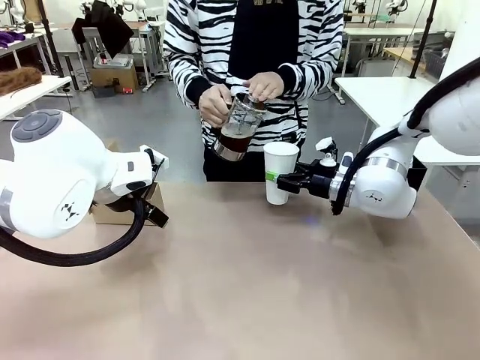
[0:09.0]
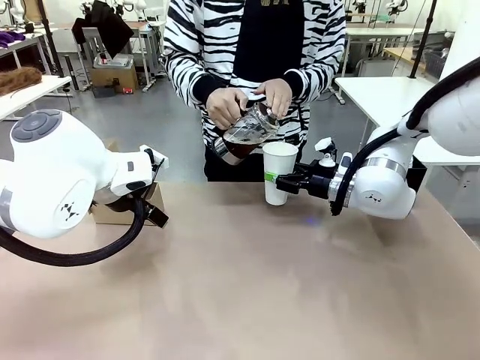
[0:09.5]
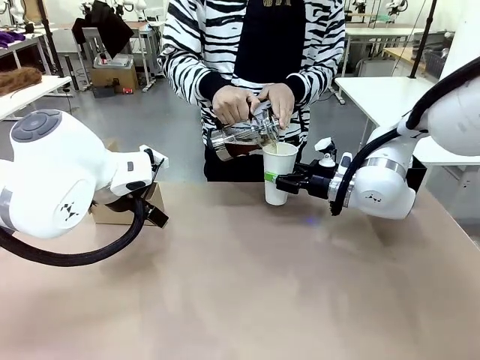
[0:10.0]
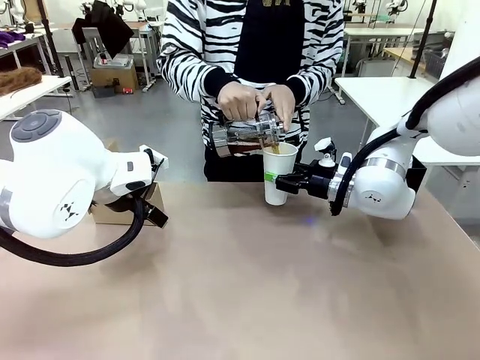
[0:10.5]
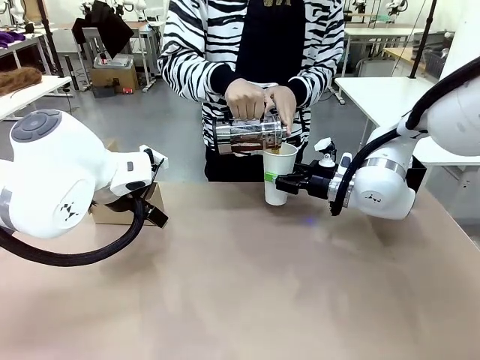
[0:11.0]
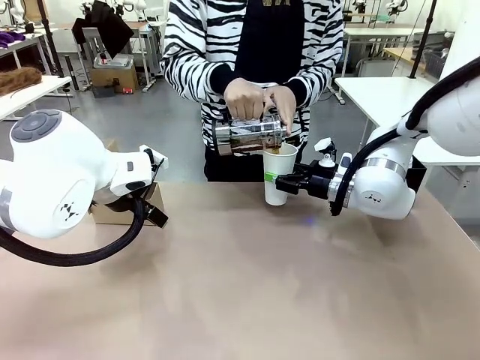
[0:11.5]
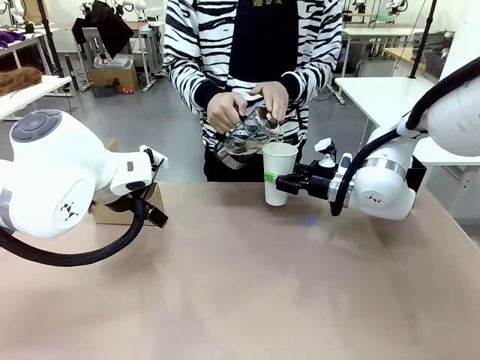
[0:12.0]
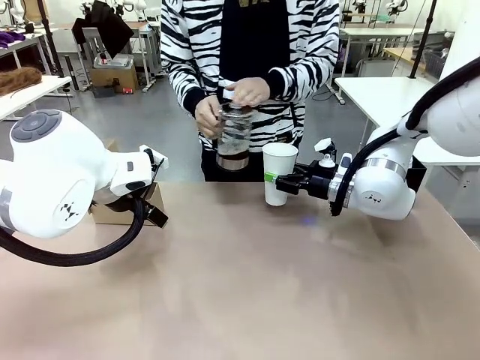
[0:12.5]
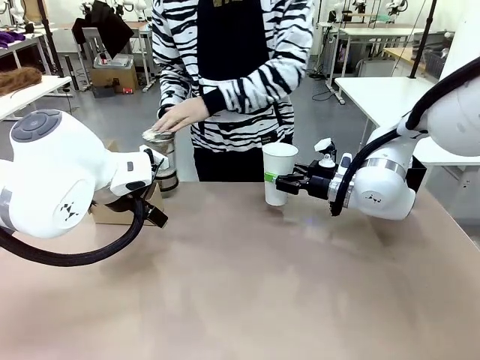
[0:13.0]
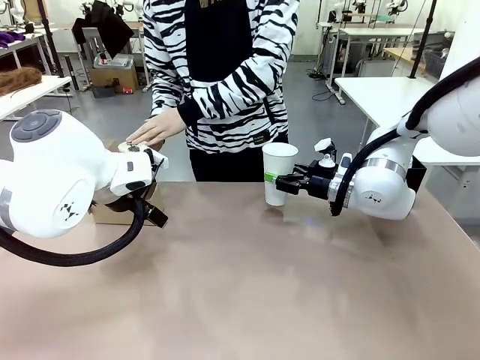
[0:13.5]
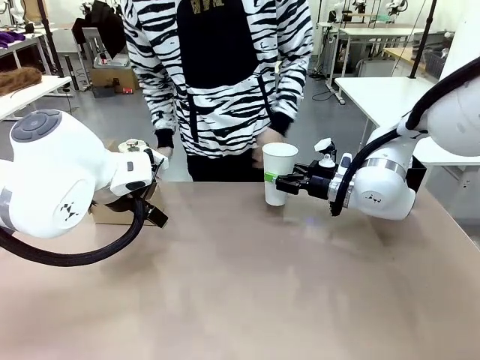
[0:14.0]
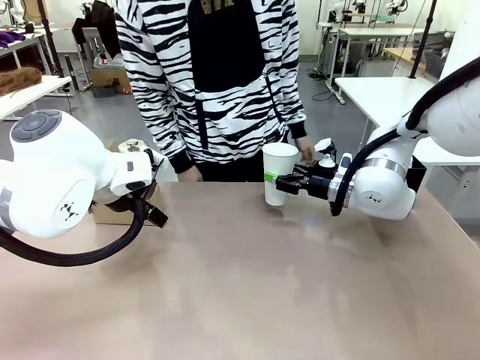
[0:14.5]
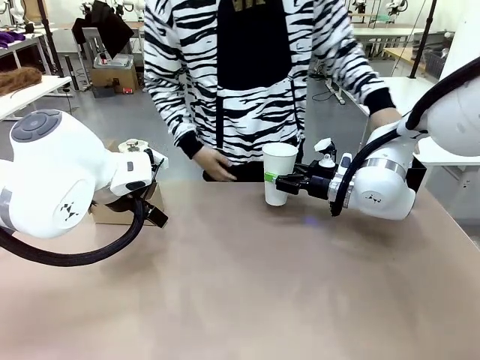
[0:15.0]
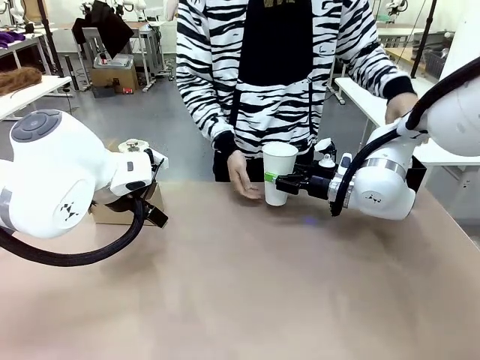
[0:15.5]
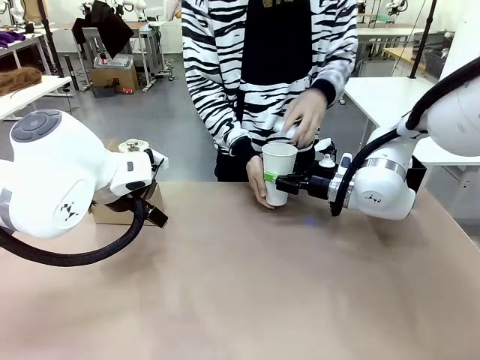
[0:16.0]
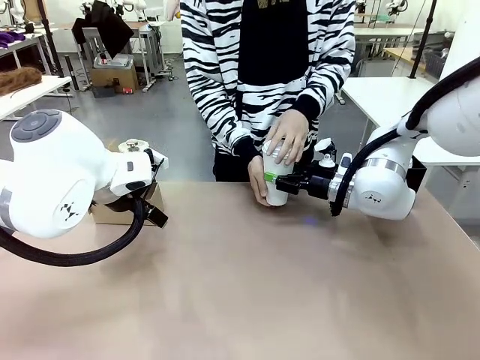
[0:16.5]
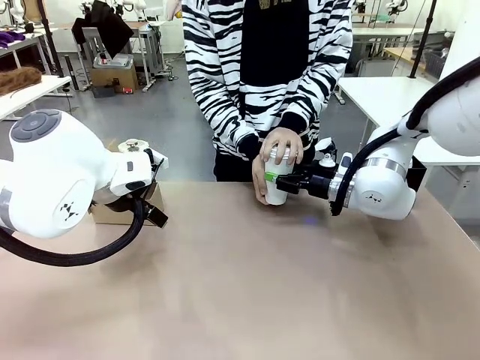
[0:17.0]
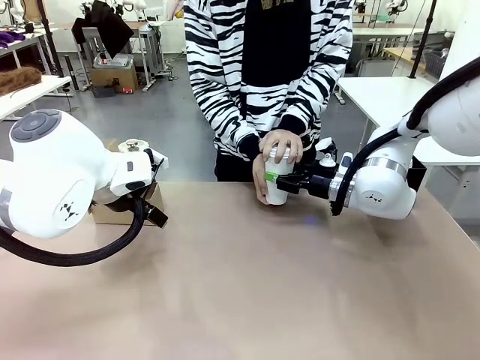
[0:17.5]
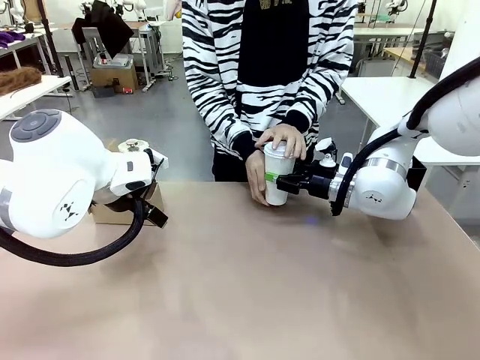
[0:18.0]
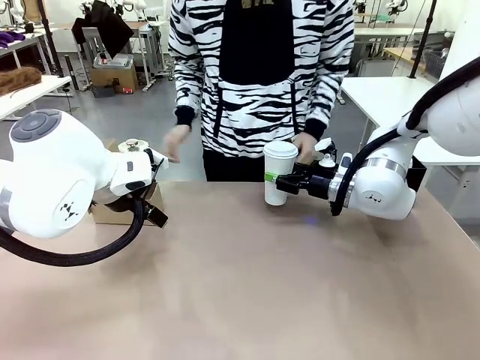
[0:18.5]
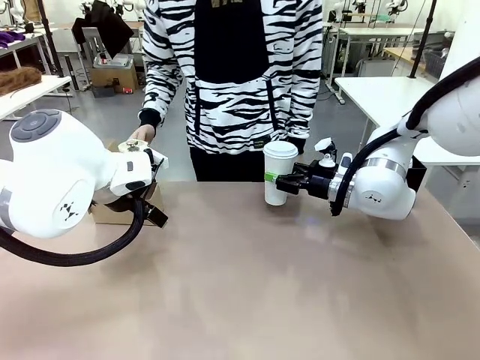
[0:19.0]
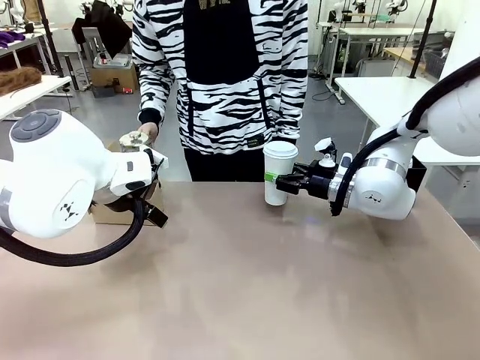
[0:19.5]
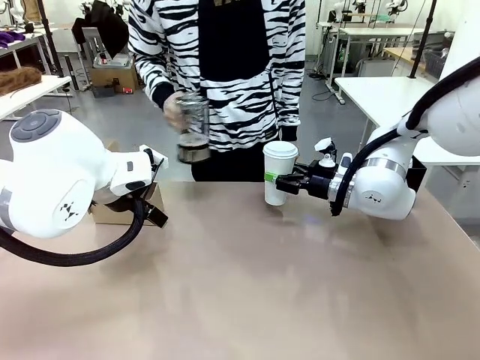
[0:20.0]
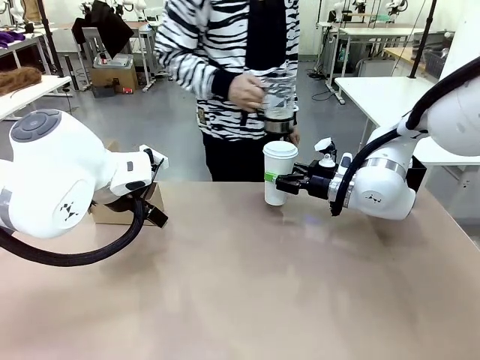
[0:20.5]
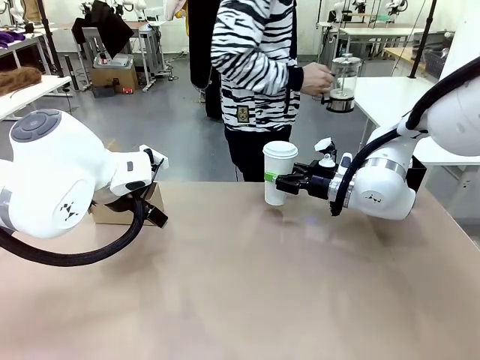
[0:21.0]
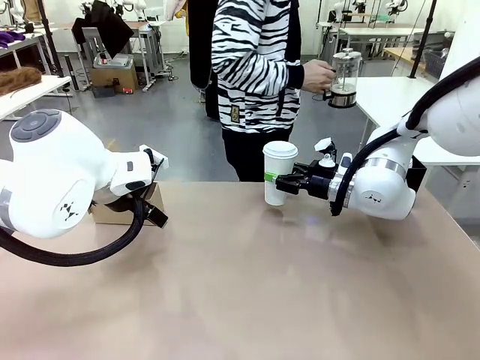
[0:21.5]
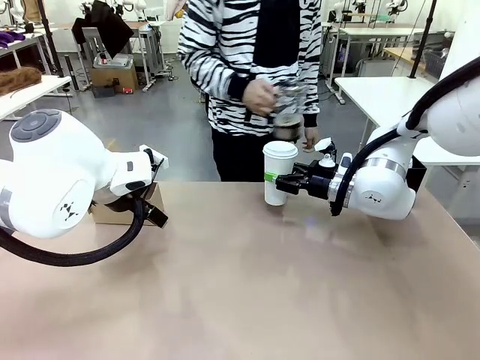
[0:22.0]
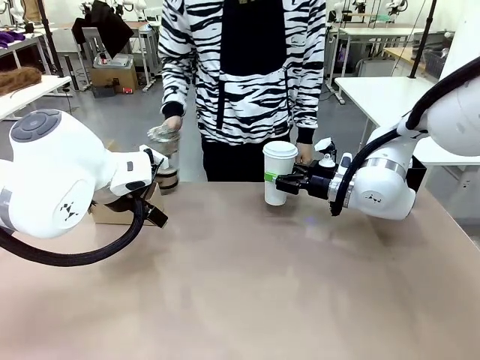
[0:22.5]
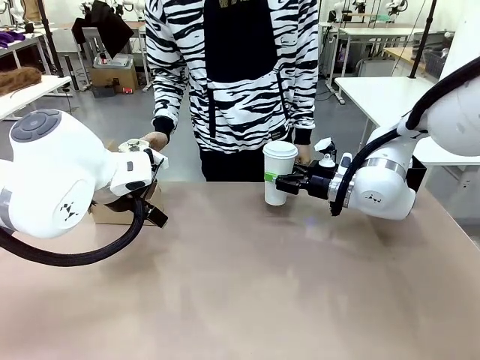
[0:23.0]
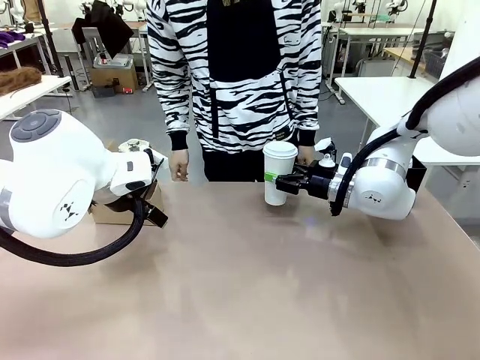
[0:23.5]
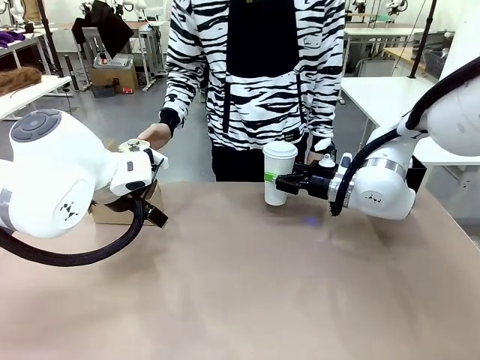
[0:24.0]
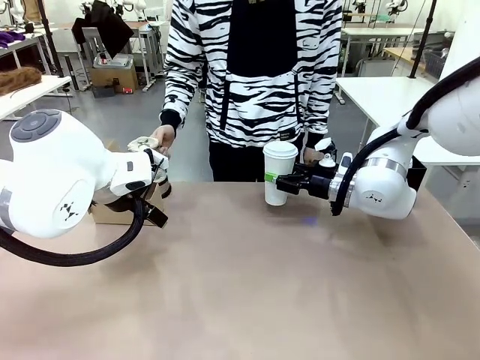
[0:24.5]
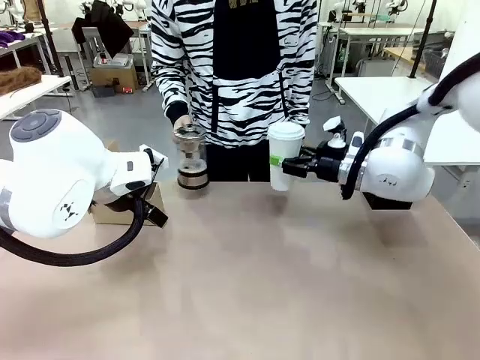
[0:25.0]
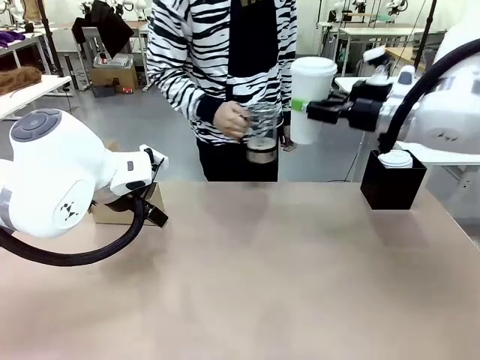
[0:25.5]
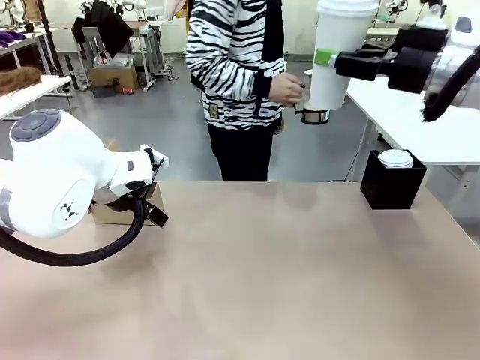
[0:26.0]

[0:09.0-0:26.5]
Task: Pour a drink into a cup and package it in a carrier.
Robot: When a person places the Paper Cup Lid on the 600 ml Paper Cup , lift the 600 ml Paper Cup.
Person: Pour the drink from the Filter Brewing into the 600 ml Paper Cup. Place a Paper Cup Lid on the 600 ml Paper Cup.

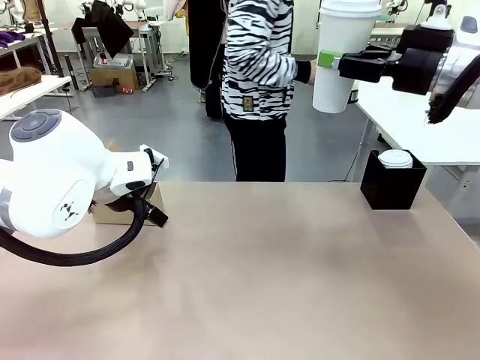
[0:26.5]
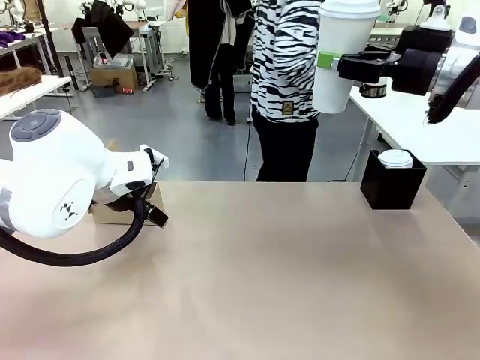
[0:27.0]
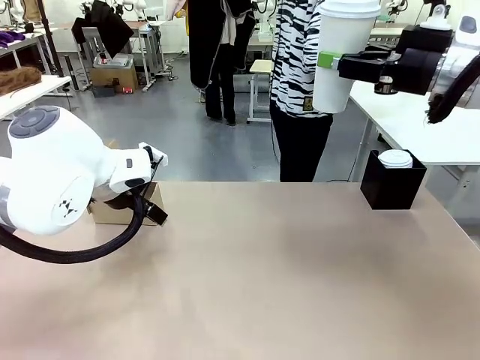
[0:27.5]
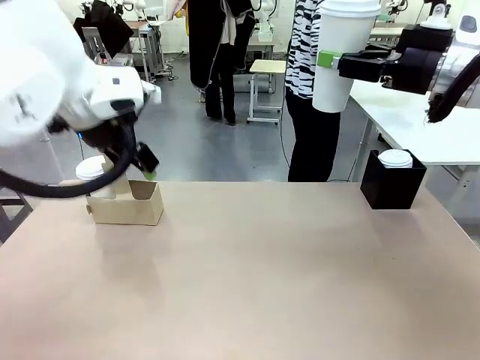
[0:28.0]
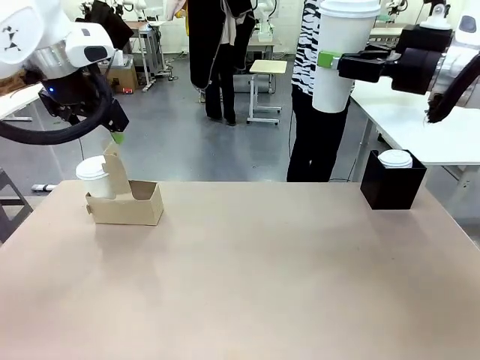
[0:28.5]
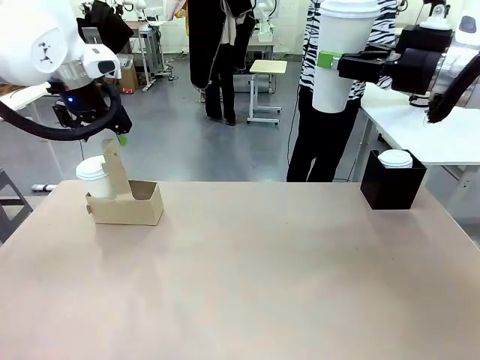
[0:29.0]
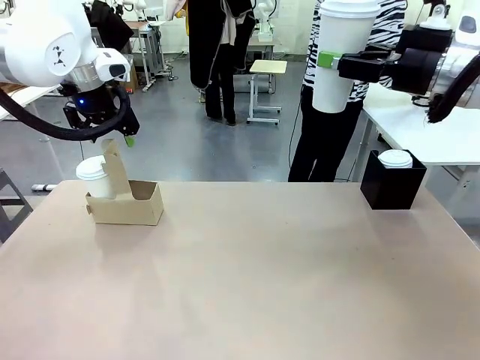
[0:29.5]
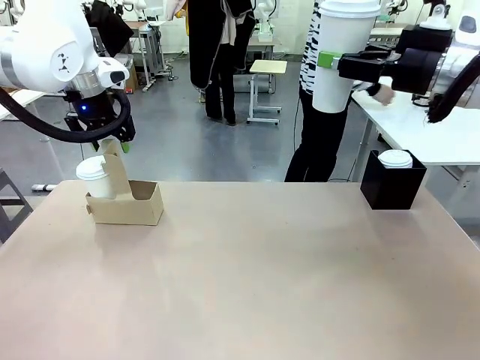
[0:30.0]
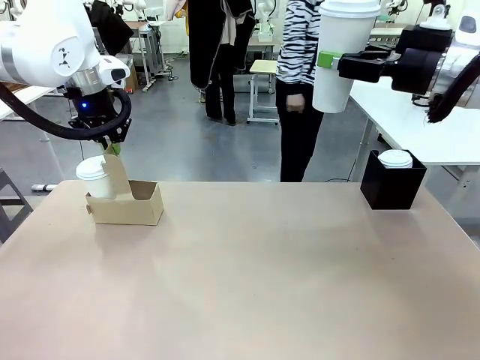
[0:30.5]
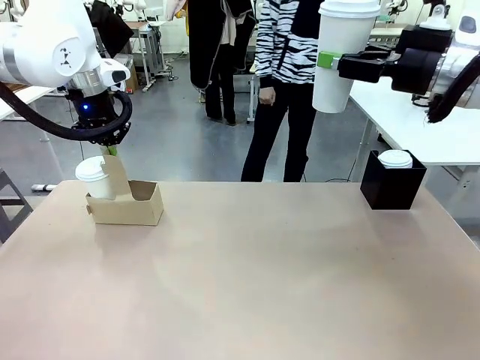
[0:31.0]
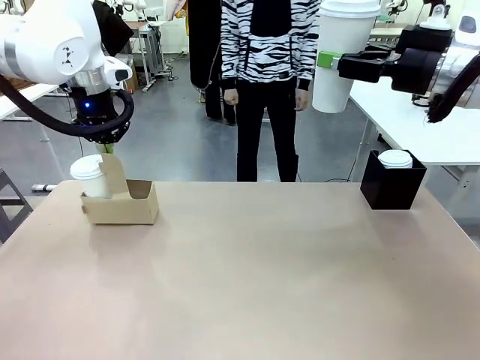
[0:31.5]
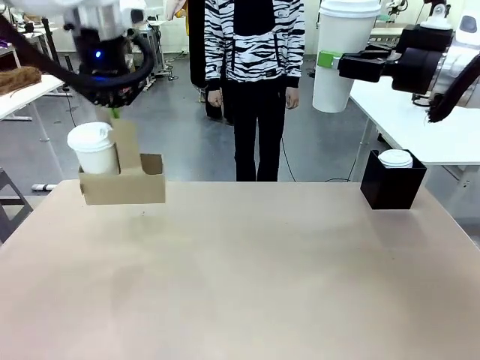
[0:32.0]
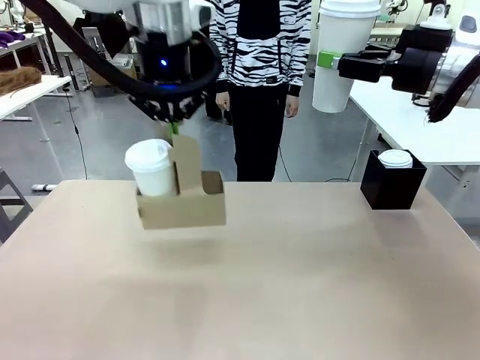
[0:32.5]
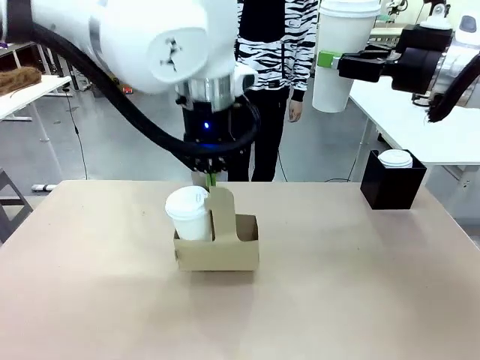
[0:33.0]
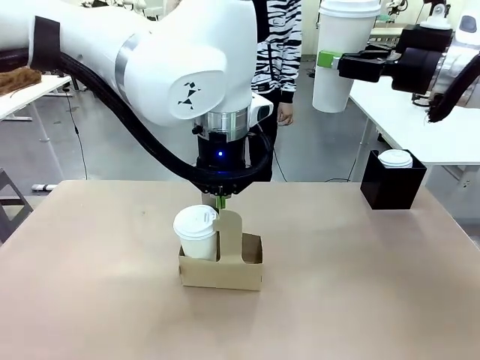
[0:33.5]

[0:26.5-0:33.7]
Robot: Position the Cup Carrier in the center of the table.
